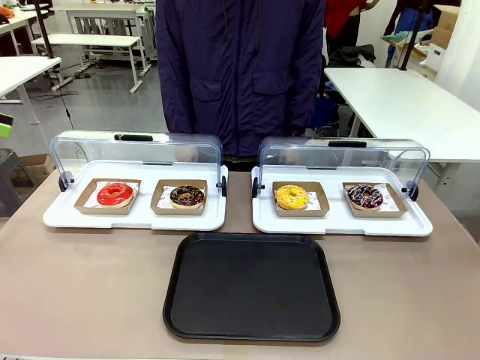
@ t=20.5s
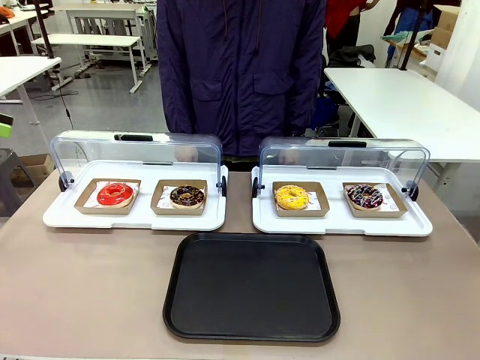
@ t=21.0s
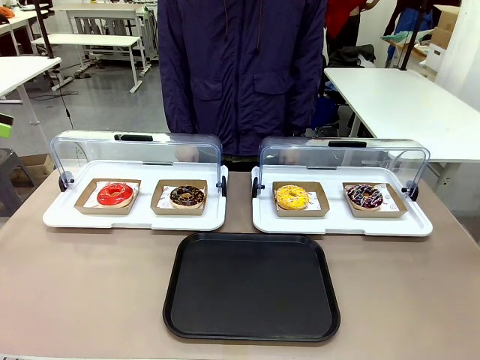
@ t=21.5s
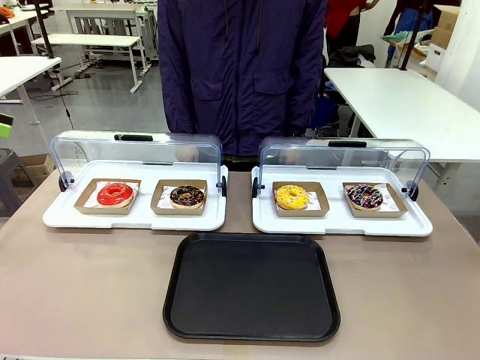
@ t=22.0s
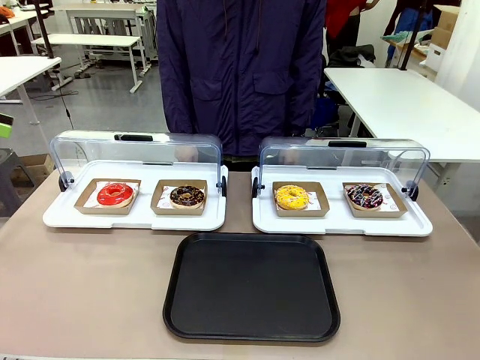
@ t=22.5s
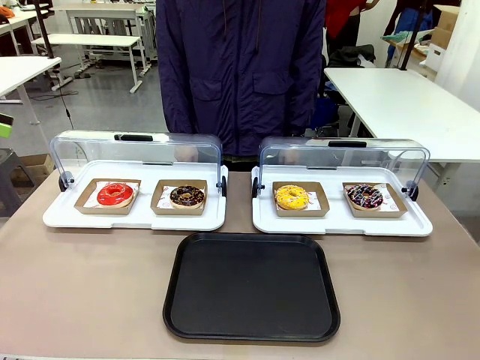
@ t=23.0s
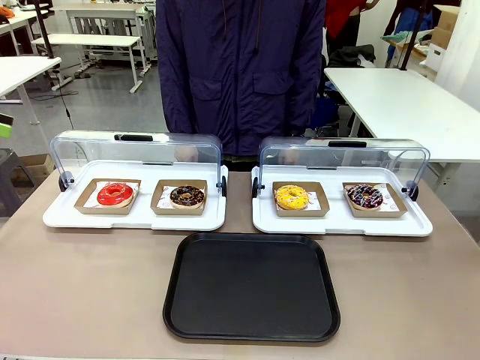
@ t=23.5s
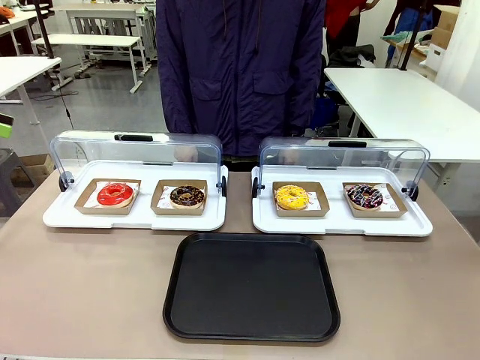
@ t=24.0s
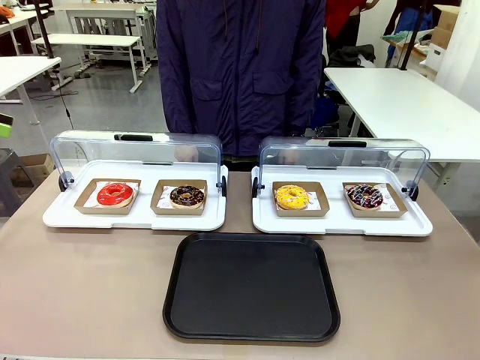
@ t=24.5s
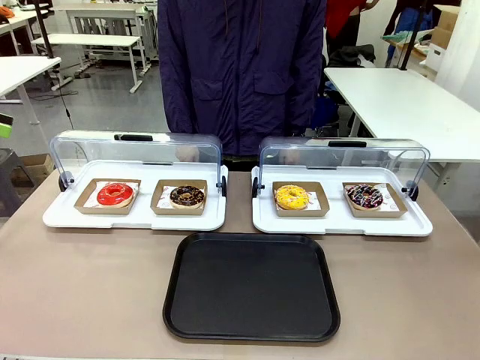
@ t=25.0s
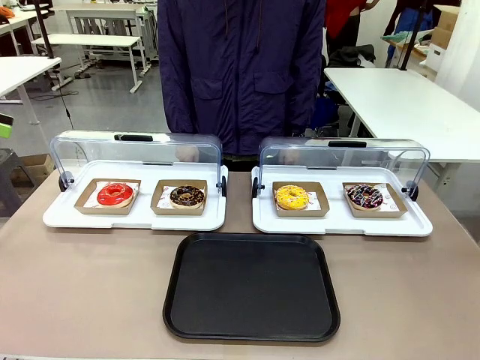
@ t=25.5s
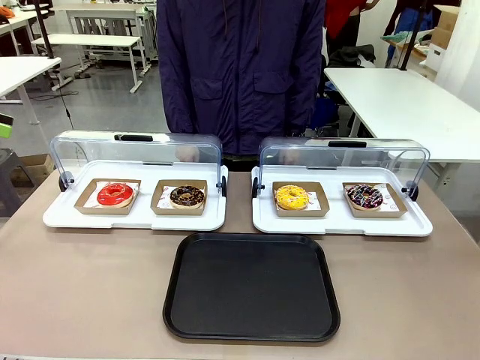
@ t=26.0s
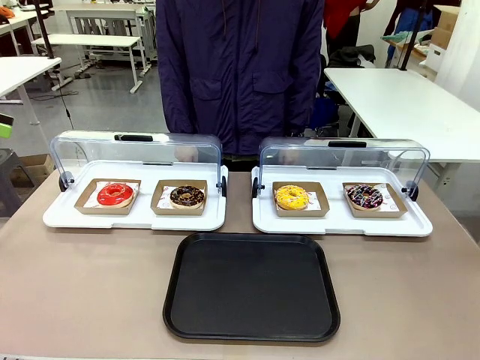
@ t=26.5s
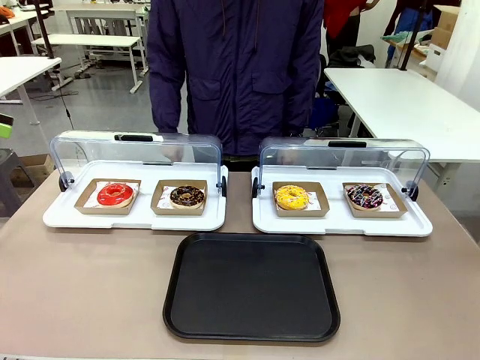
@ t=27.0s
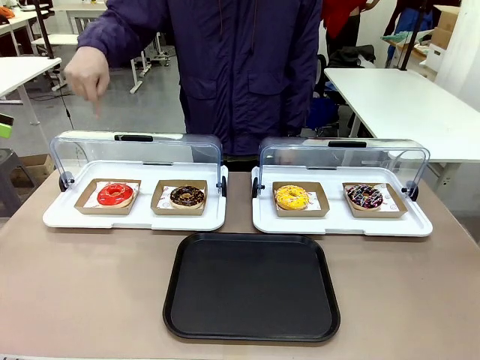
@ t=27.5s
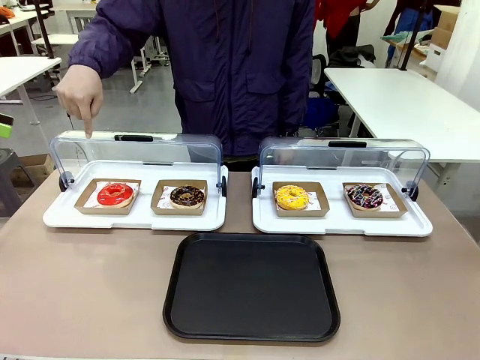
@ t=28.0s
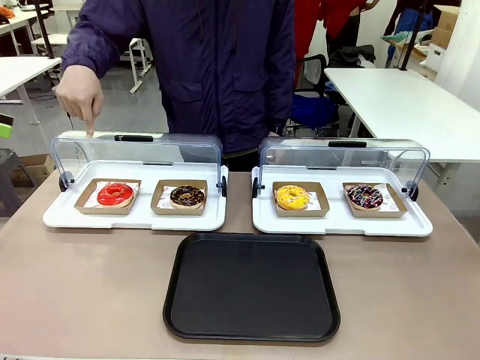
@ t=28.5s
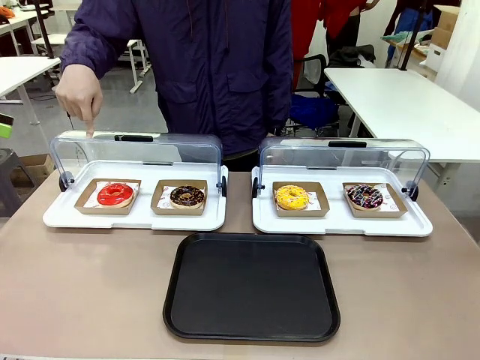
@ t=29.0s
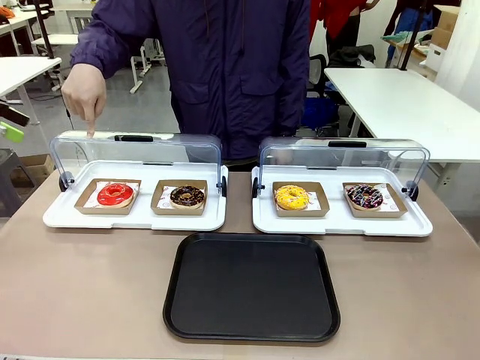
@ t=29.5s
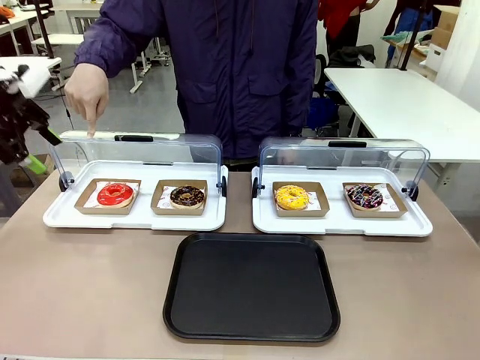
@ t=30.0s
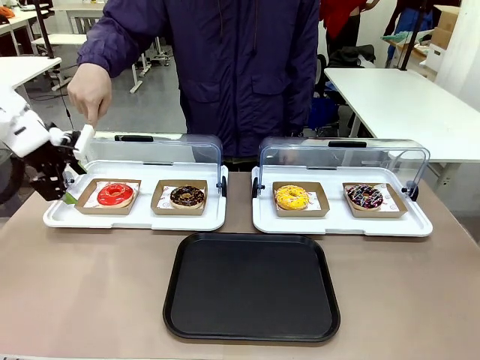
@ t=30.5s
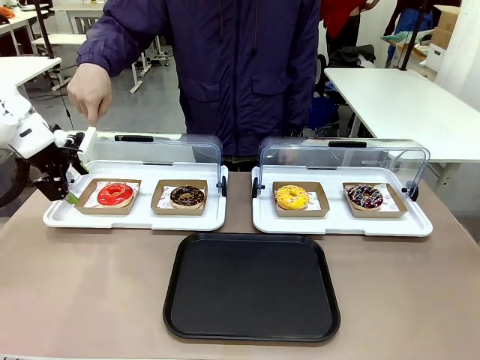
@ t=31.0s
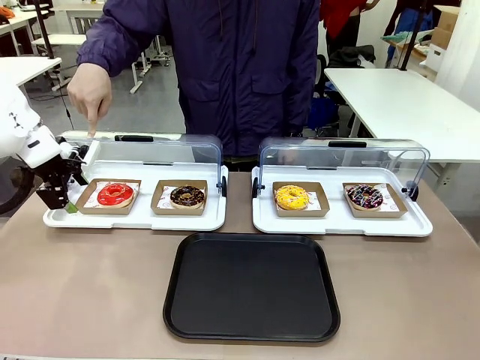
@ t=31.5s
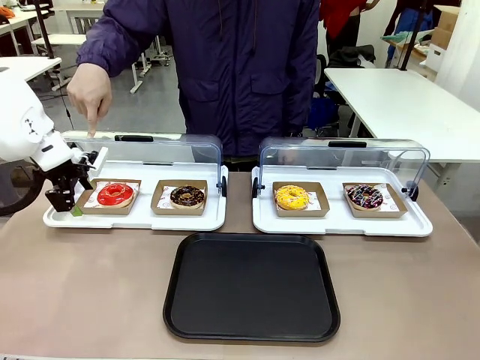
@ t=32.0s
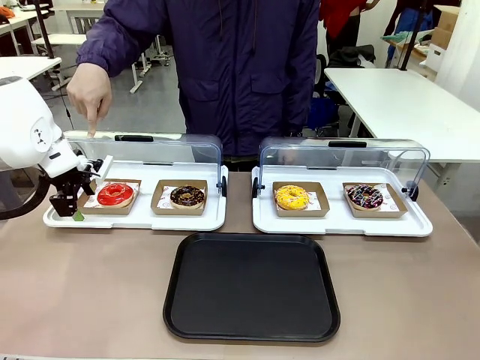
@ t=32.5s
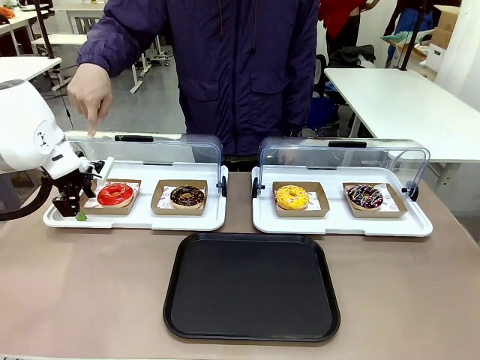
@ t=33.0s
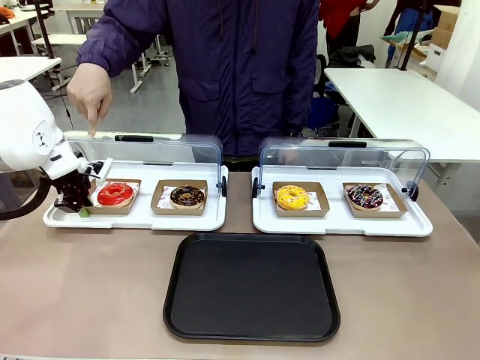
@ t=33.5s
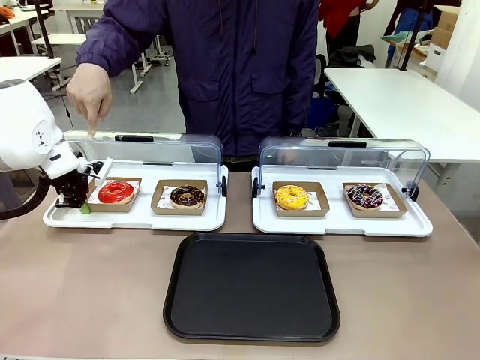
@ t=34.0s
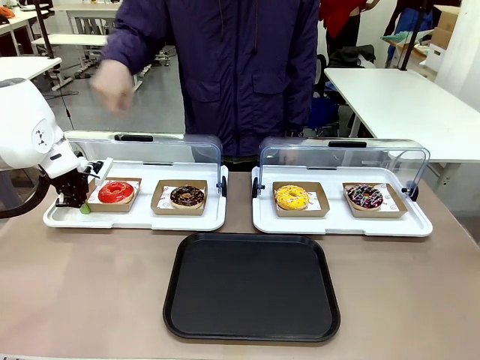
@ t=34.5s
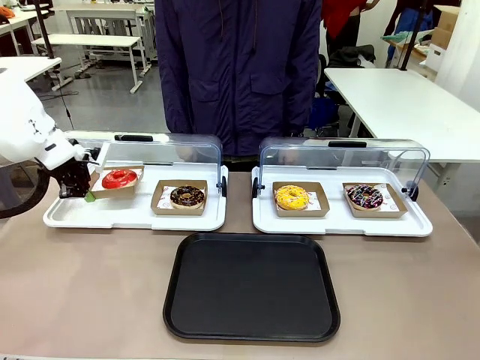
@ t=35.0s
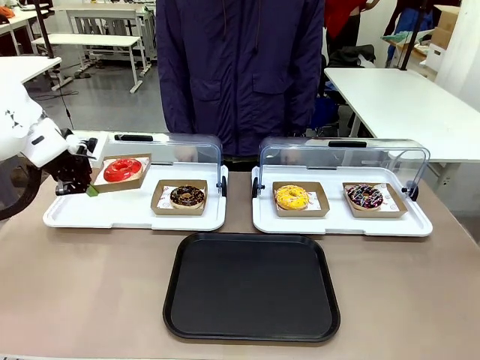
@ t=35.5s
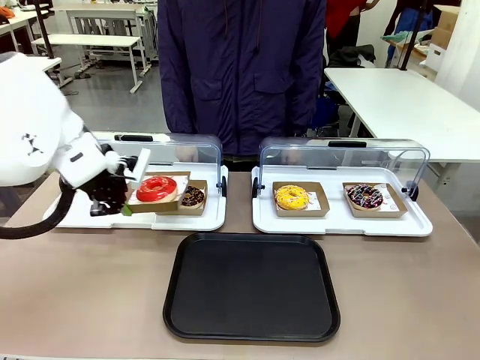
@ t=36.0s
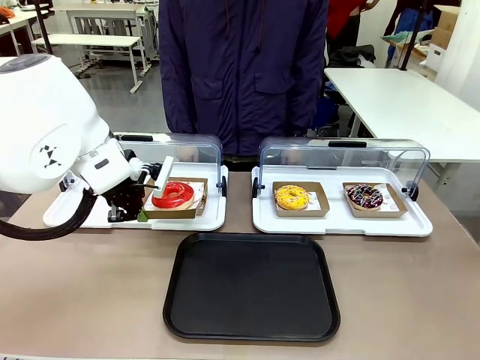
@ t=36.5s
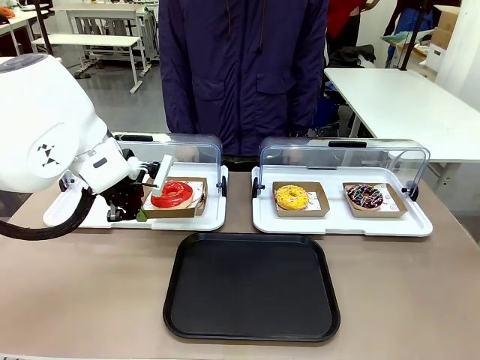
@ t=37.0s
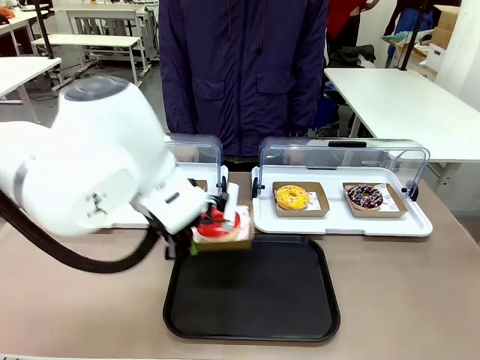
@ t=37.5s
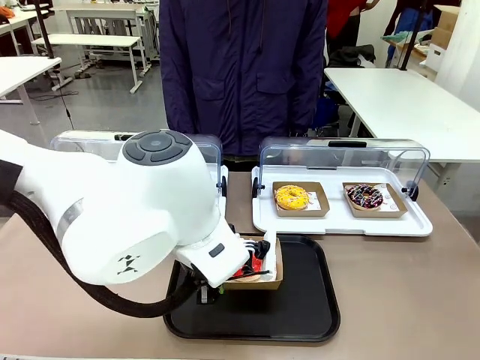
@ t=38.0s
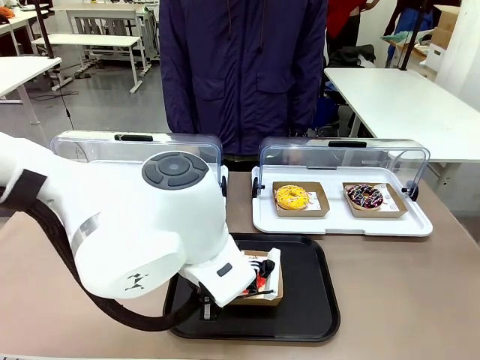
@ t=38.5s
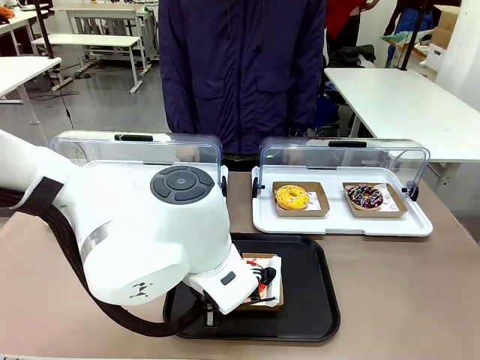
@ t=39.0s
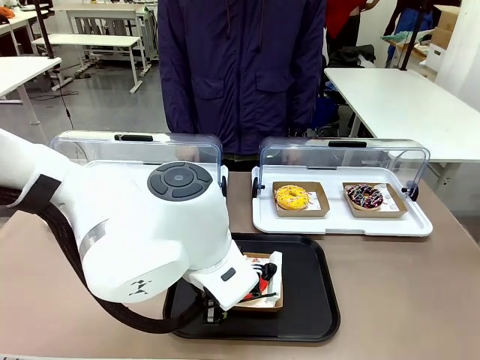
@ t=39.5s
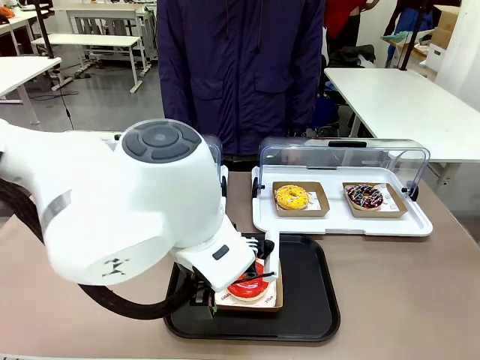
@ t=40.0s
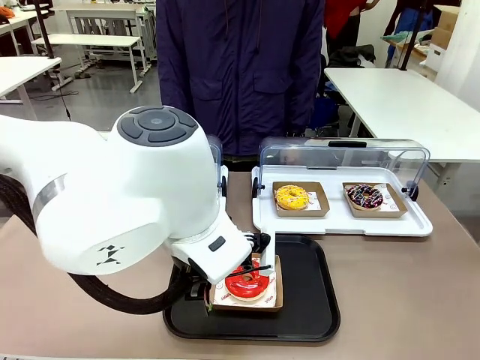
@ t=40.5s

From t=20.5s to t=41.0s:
Task: Move the first donut from the left to the tray.
Robot: Pick up the Paper togo box containing the Donut indicated by the person and place it on the Handle tray.

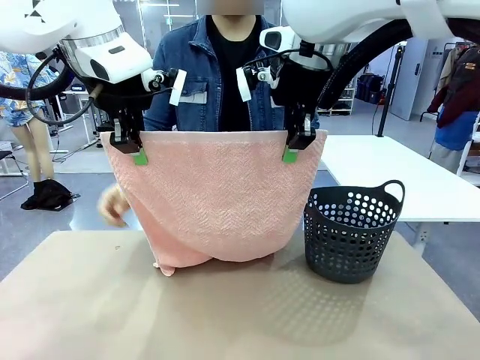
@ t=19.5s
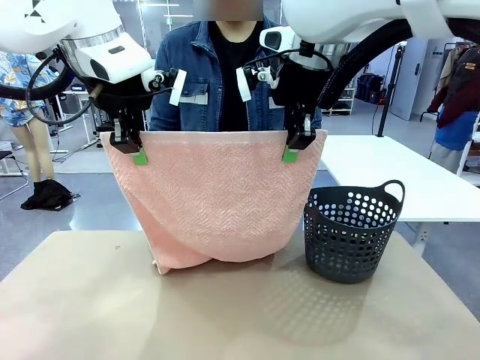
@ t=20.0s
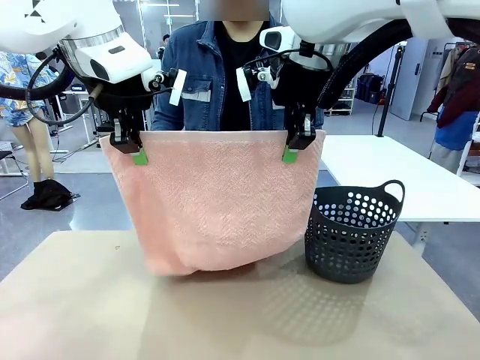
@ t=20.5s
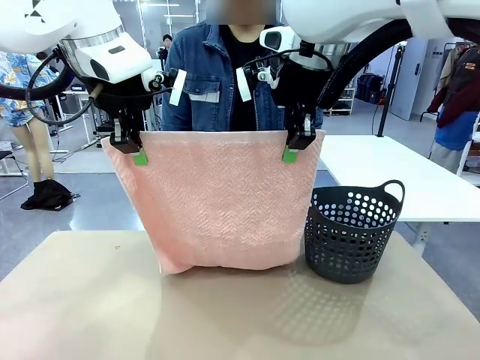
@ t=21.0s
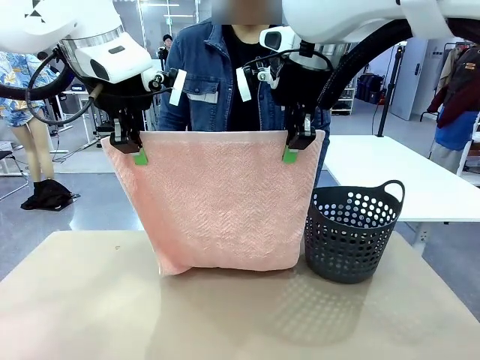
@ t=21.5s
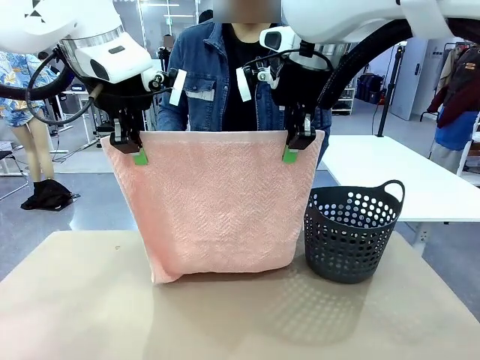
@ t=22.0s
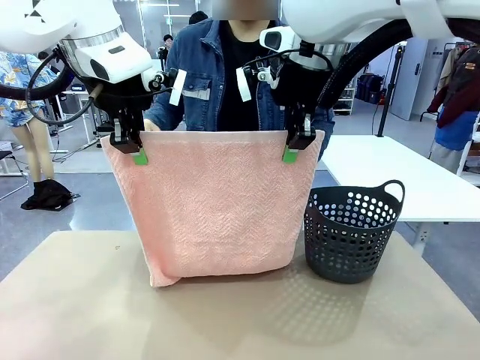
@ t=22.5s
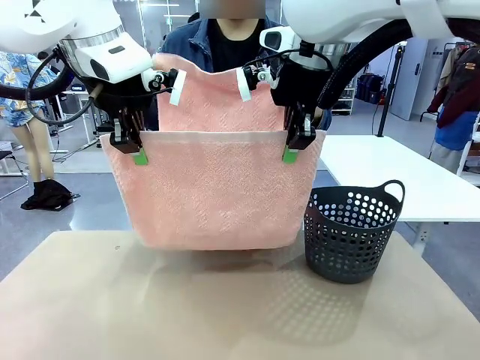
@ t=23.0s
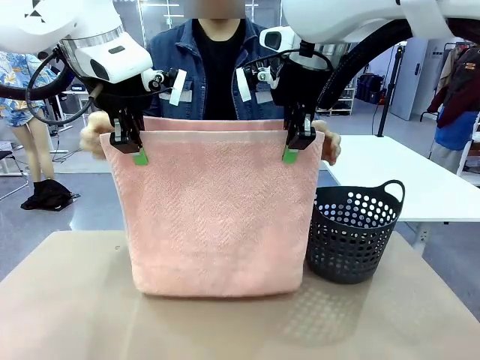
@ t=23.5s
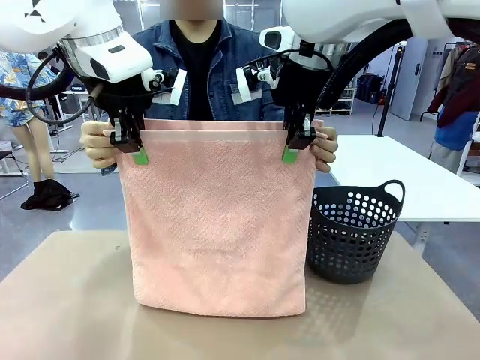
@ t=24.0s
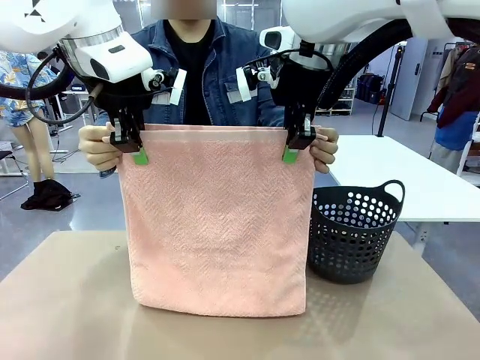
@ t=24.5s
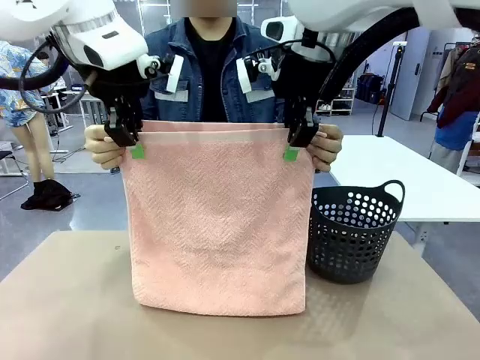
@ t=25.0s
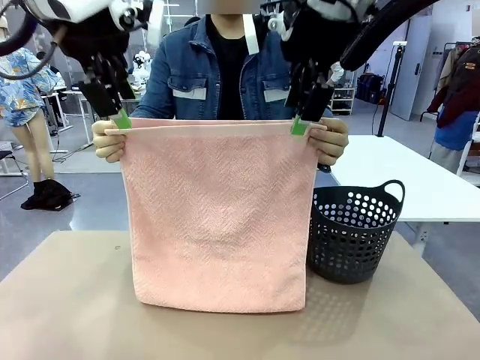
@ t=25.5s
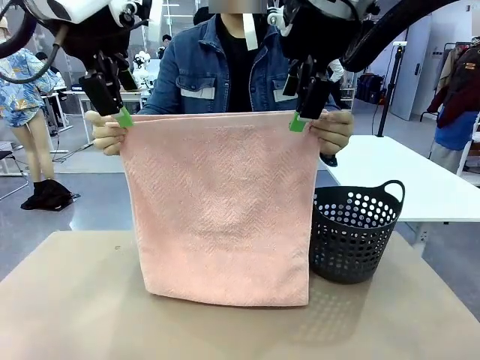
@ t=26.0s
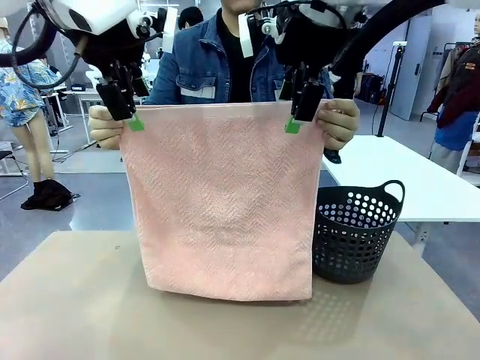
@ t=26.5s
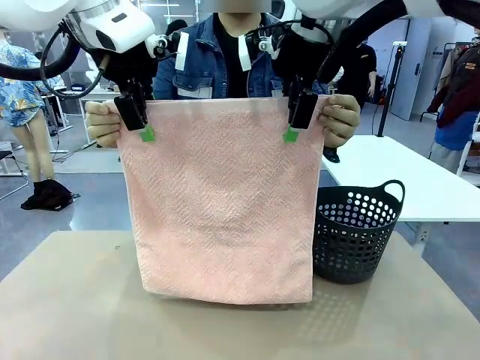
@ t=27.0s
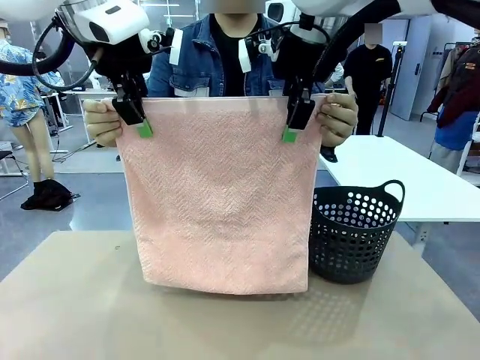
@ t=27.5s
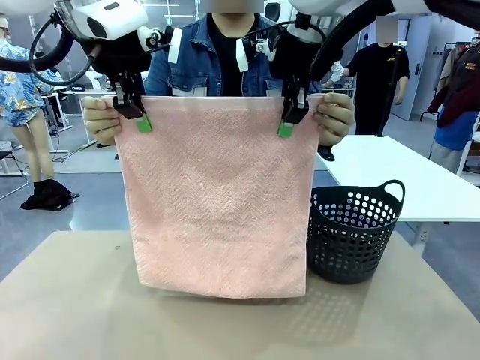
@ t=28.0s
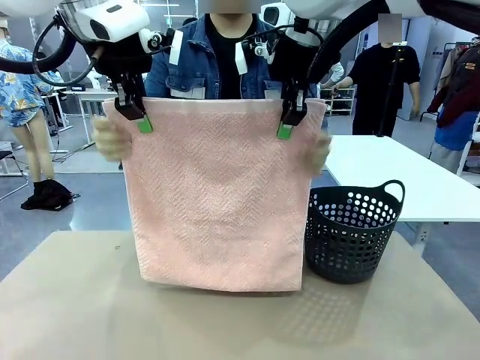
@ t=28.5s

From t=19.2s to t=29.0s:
Task: Fold the towel.
Robot: Release the end of the 100 cm Hotel Towel you were holding and grab the top end of the folded side.
Person: Using the point held by the robot as a reference, grasp the opposite end, fold the towel in half, and then hold both ends of the folded towel.
